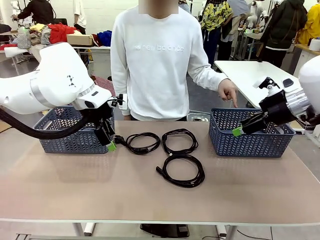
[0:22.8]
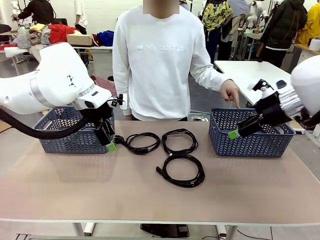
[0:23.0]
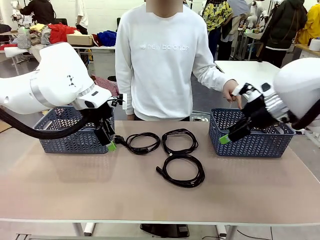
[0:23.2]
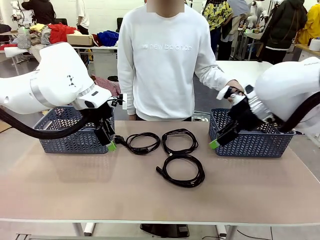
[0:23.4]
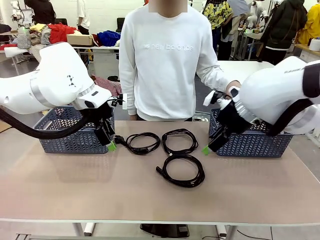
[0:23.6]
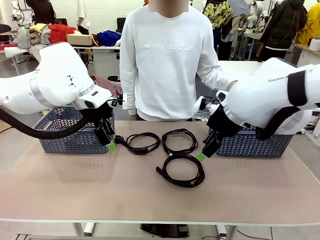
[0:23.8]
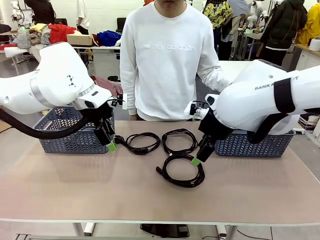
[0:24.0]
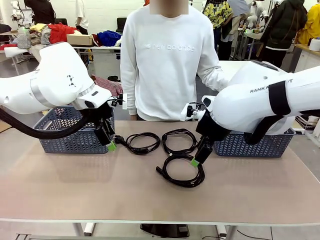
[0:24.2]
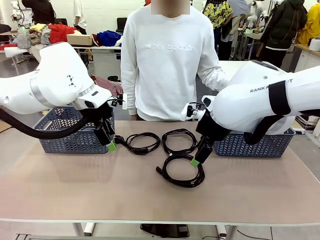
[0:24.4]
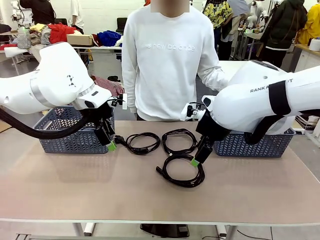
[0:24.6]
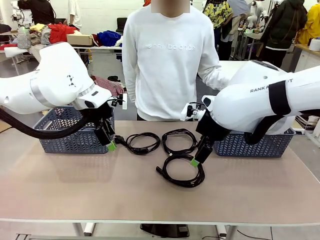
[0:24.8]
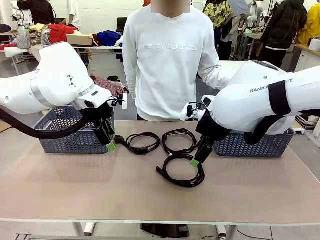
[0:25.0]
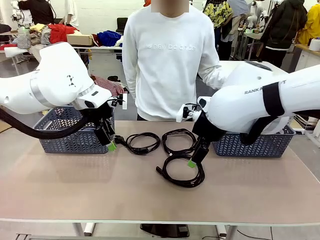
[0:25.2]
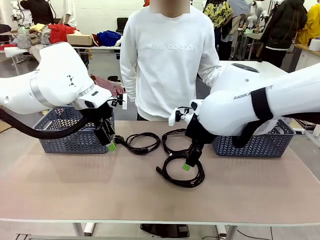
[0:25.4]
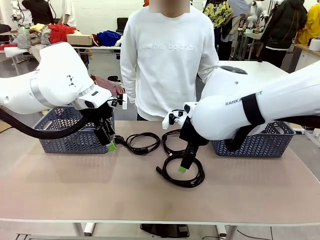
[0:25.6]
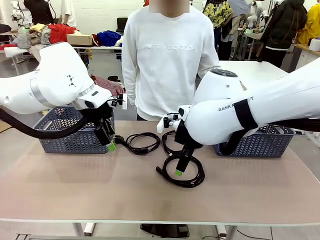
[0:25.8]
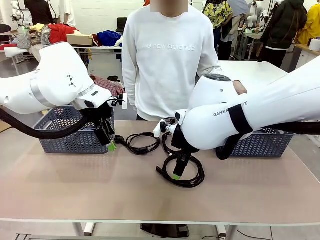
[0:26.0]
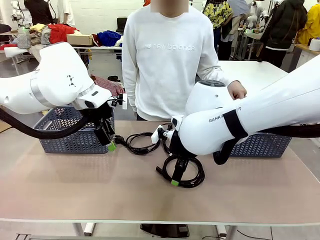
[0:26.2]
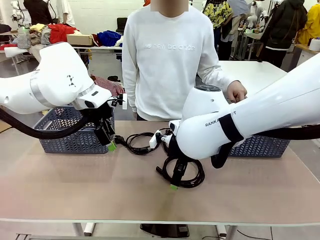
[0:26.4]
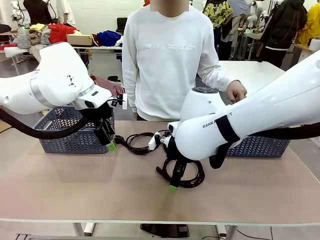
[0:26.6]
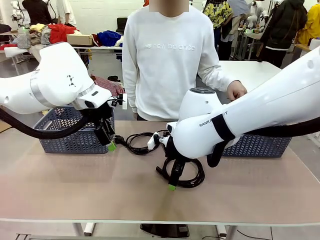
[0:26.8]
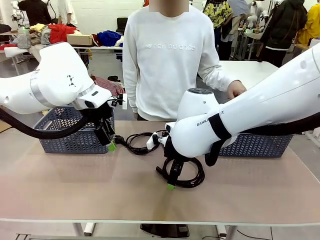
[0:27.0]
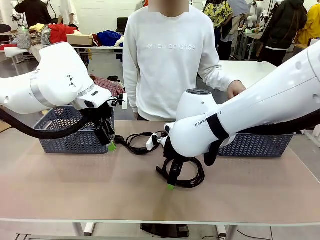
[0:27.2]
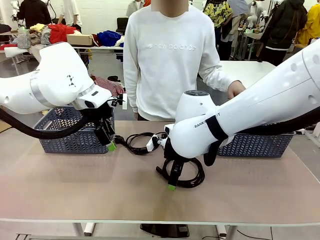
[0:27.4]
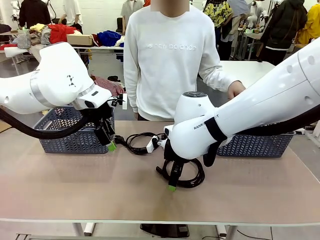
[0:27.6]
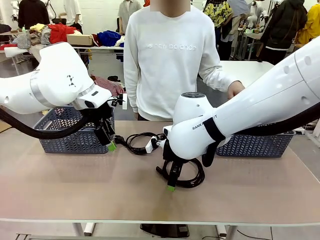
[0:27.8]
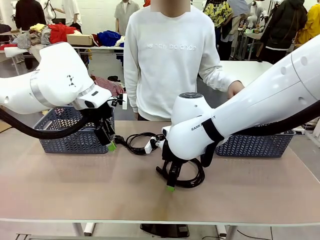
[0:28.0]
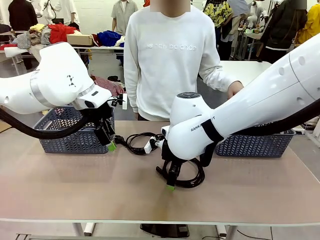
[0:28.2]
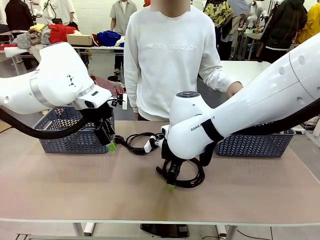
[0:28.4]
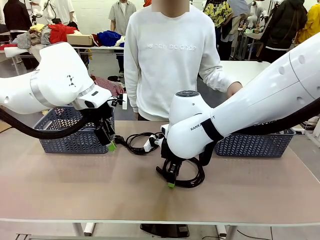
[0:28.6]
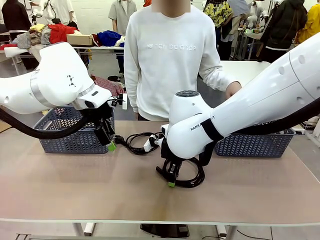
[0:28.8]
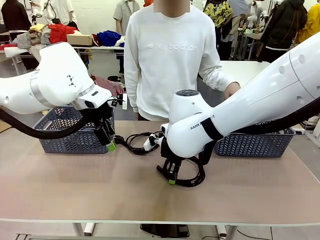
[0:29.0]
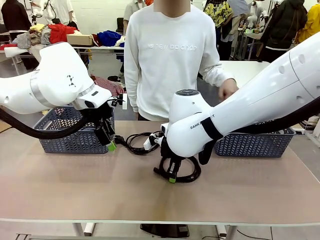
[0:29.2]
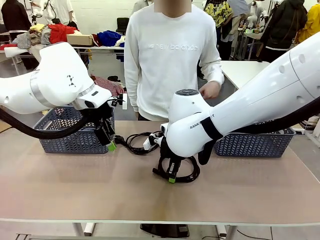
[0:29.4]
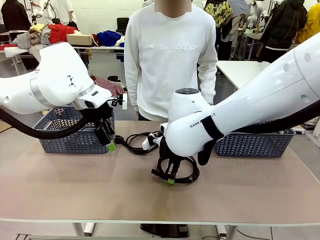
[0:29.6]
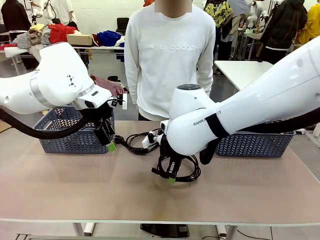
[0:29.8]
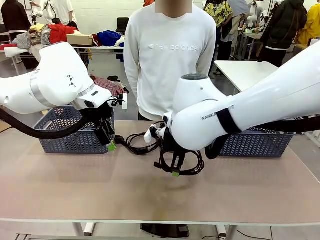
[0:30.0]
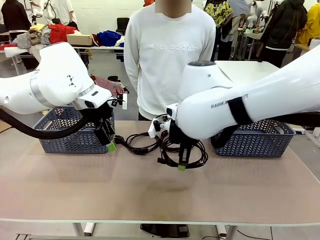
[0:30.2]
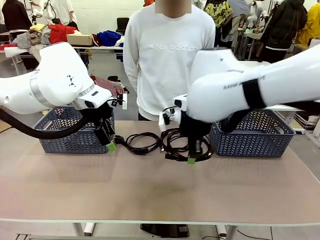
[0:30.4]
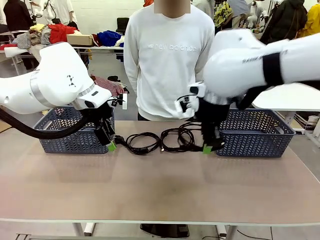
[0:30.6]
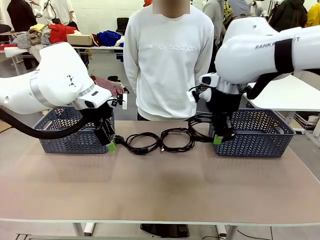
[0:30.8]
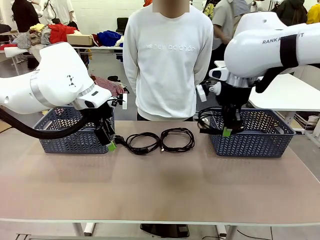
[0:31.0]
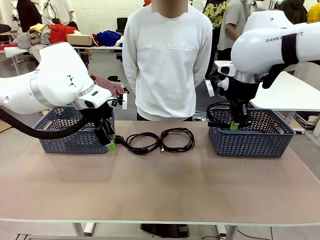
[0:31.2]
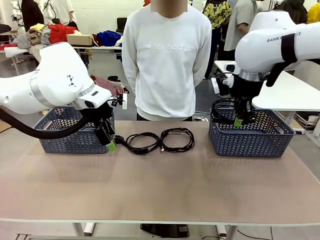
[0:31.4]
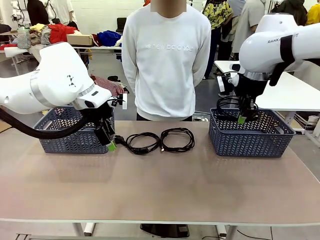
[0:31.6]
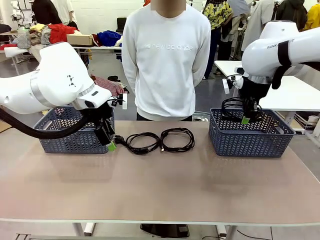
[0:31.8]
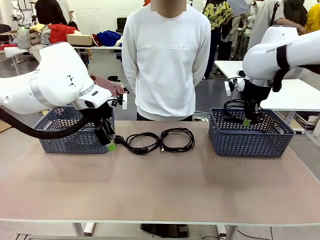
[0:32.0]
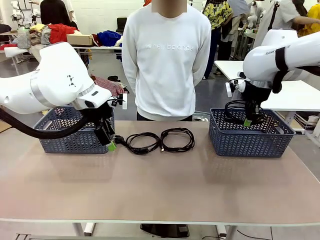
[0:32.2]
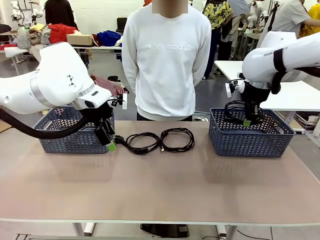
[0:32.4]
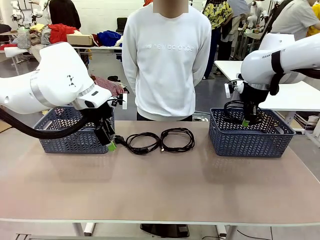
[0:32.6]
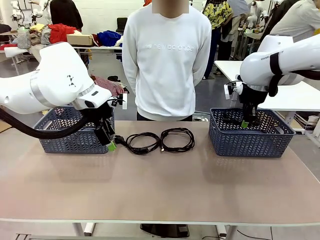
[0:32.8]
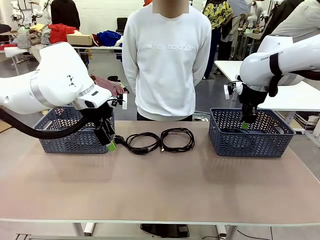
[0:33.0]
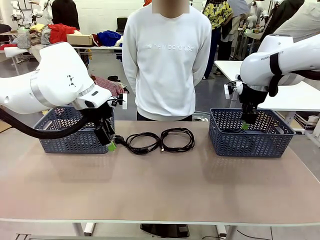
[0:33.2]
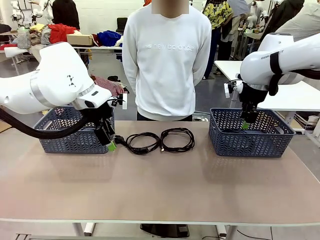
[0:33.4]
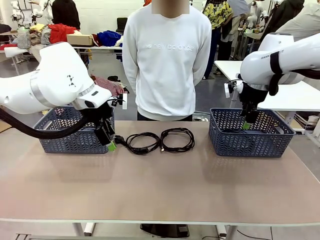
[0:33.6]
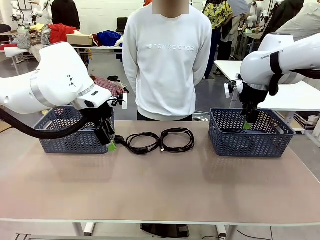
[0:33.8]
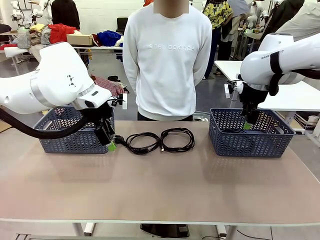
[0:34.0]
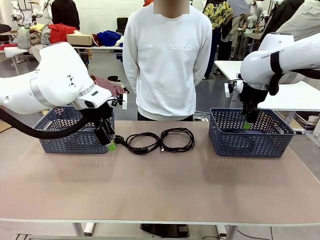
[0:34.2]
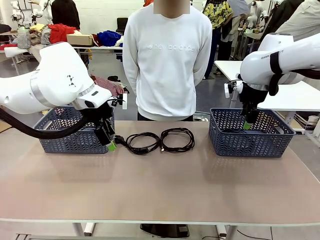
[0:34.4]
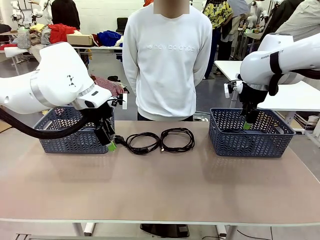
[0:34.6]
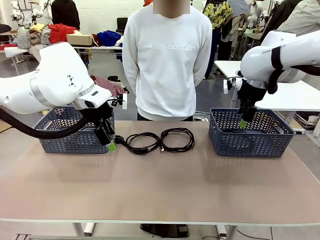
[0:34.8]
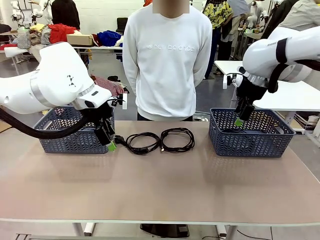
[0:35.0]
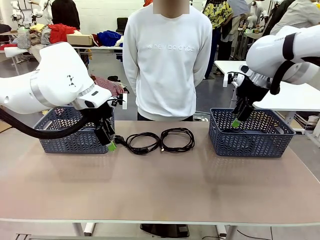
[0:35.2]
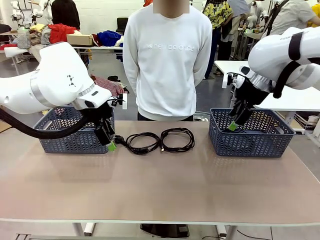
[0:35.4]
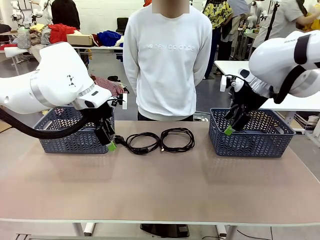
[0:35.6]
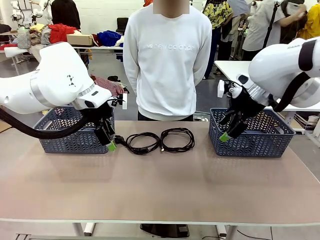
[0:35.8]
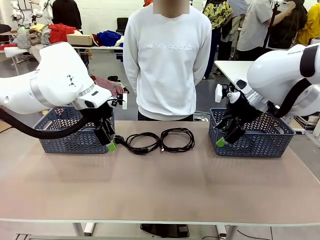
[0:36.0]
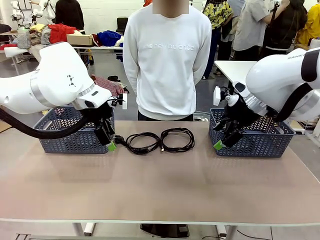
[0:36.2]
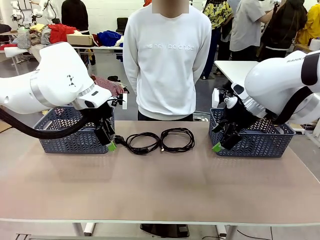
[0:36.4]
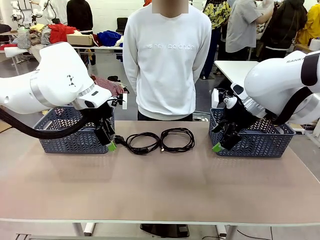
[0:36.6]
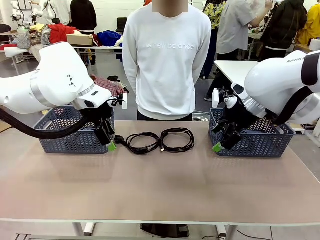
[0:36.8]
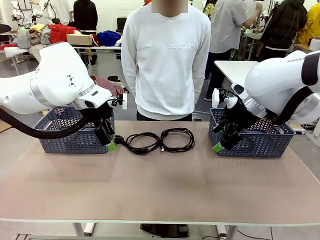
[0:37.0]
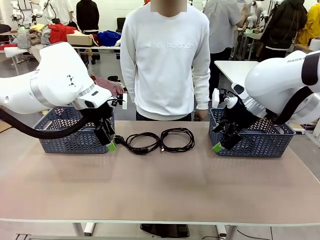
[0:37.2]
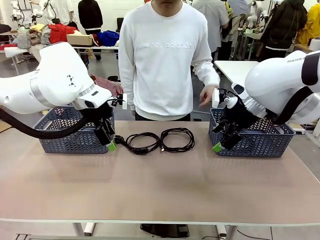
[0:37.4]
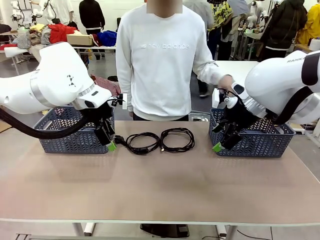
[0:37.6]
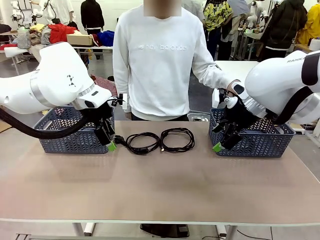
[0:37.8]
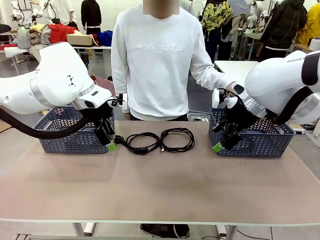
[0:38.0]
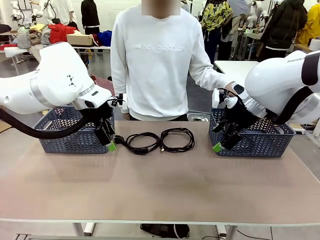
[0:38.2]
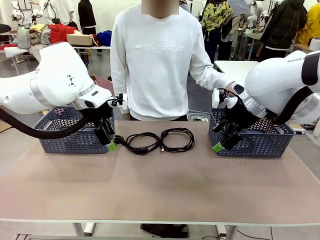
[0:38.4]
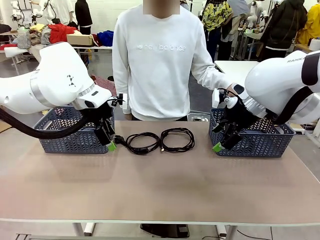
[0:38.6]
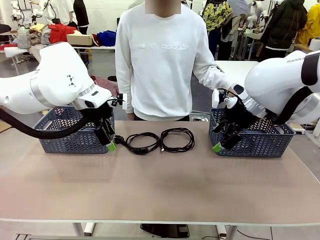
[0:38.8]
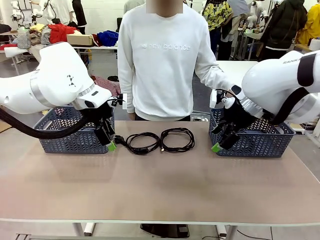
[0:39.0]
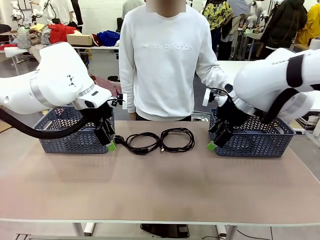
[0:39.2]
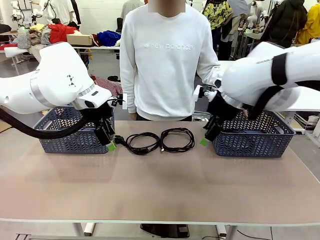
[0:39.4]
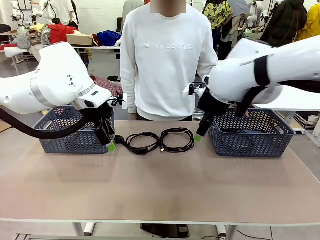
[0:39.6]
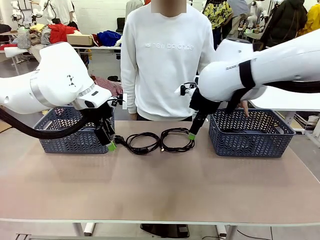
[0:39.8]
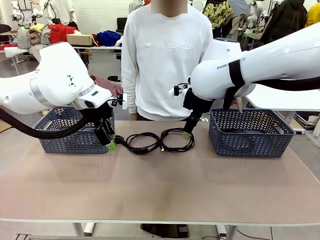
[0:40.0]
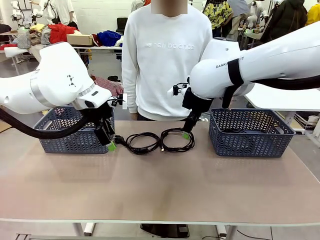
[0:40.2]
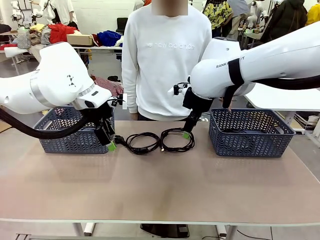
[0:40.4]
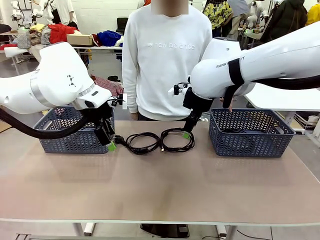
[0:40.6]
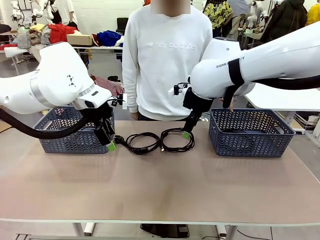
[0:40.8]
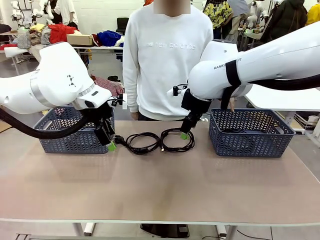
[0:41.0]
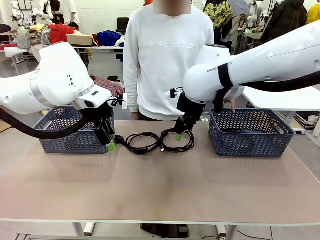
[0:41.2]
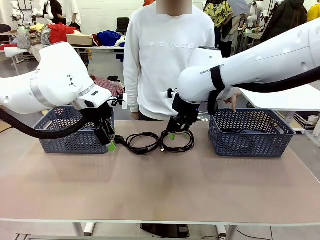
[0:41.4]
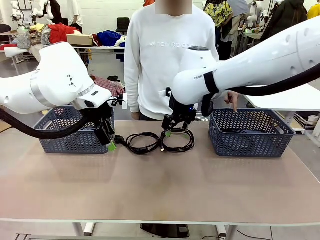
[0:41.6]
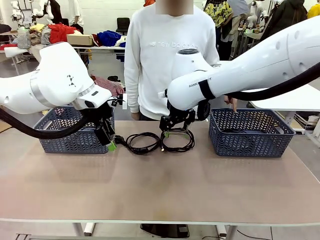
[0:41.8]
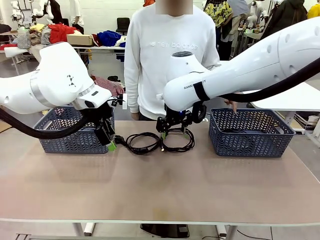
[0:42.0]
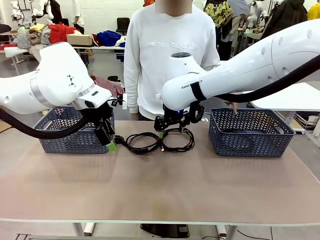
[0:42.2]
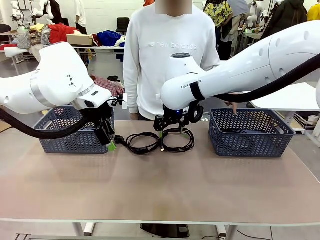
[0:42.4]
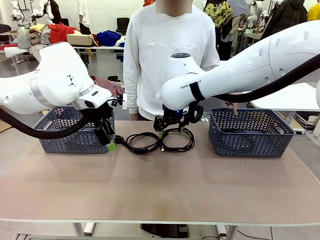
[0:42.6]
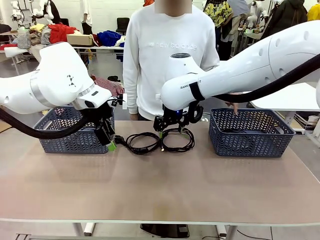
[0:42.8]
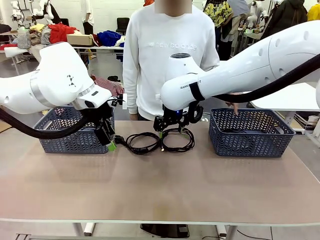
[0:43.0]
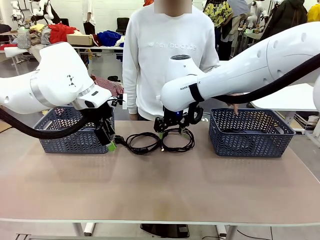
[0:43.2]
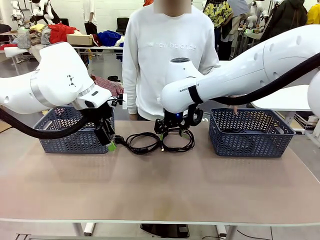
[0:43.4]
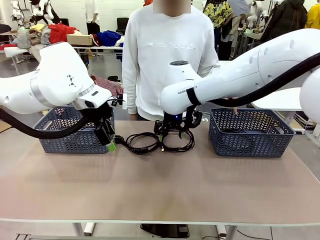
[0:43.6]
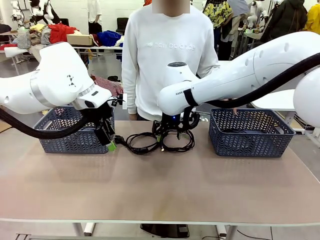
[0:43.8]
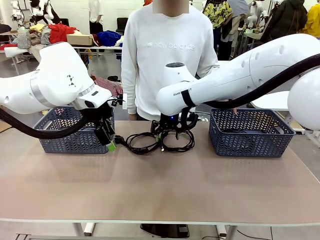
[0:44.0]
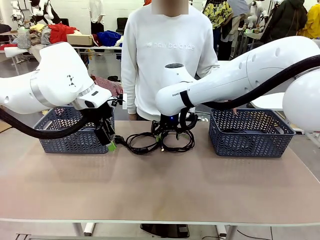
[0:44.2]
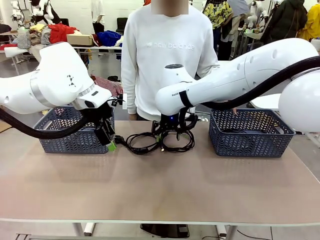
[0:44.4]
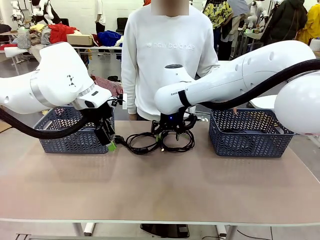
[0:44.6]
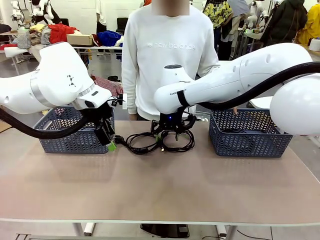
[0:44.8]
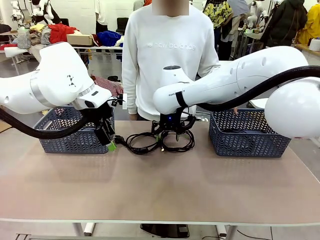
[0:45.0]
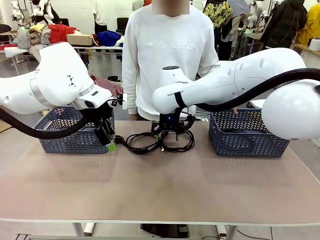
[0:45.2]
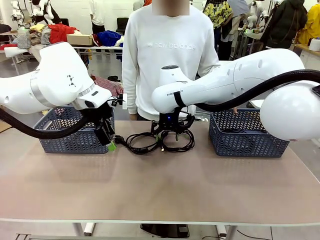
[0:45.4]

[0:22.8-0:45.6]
Task: Organize the cables according to human instructions.
Robot: Pick up a bundle of cables and place it in the basket indicated by the human.
